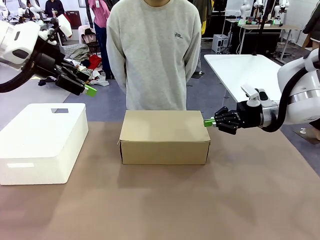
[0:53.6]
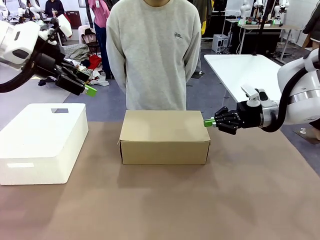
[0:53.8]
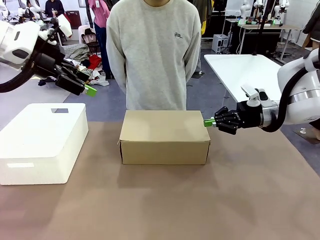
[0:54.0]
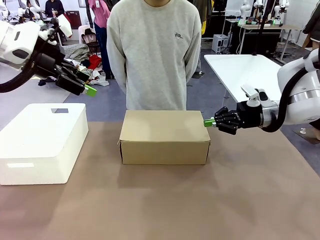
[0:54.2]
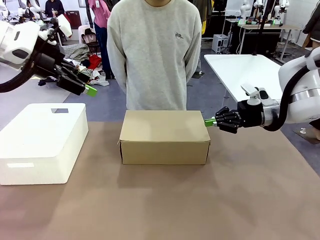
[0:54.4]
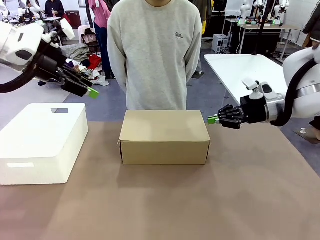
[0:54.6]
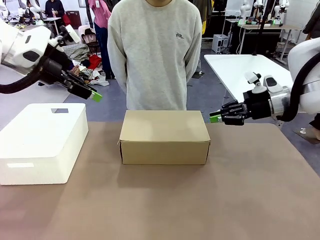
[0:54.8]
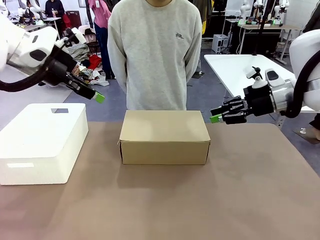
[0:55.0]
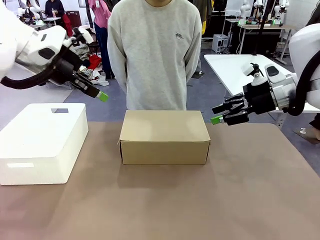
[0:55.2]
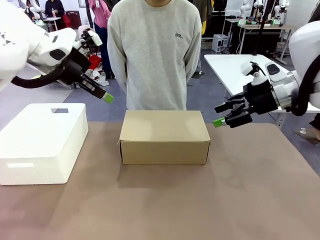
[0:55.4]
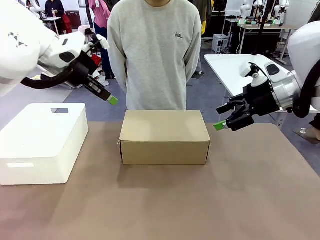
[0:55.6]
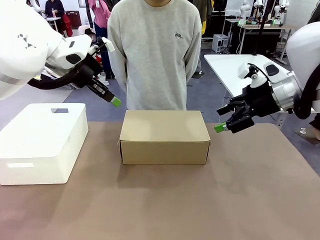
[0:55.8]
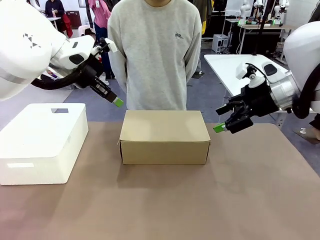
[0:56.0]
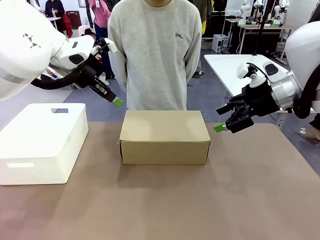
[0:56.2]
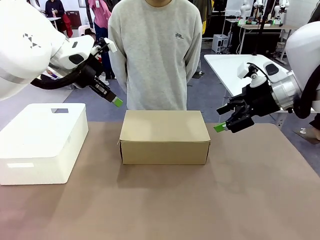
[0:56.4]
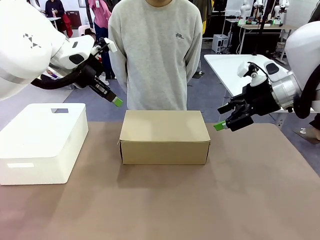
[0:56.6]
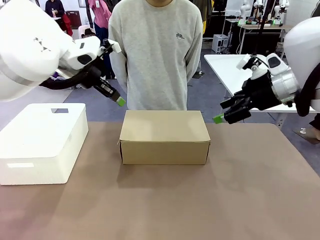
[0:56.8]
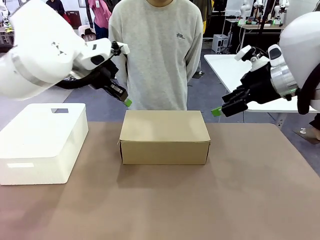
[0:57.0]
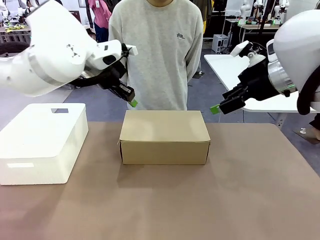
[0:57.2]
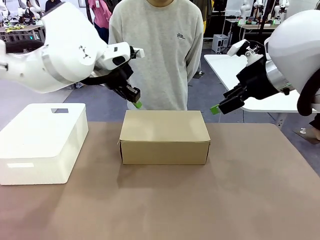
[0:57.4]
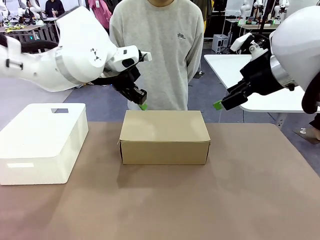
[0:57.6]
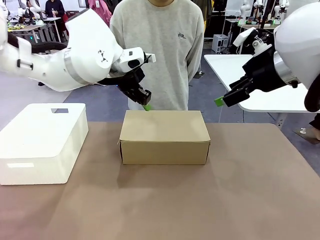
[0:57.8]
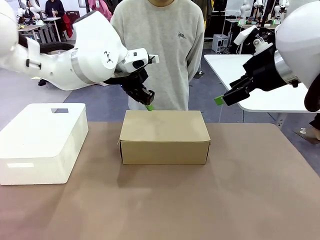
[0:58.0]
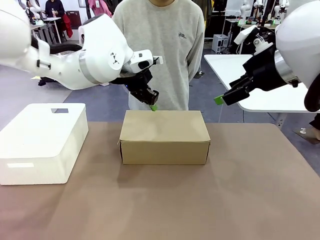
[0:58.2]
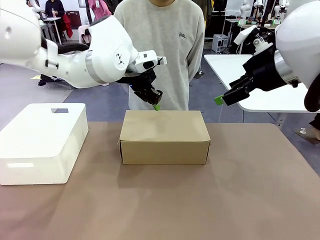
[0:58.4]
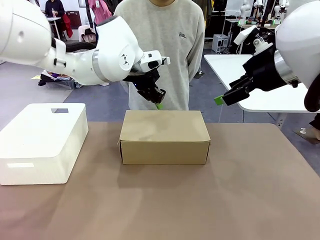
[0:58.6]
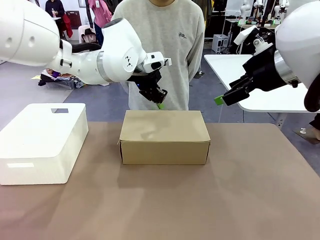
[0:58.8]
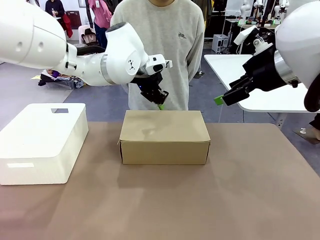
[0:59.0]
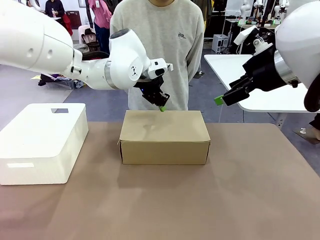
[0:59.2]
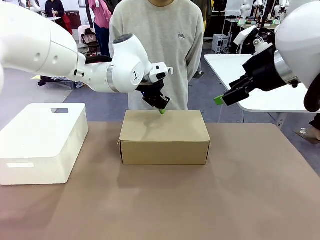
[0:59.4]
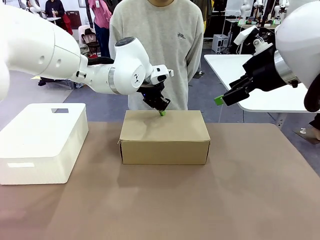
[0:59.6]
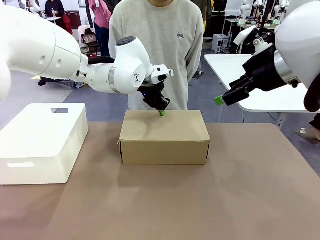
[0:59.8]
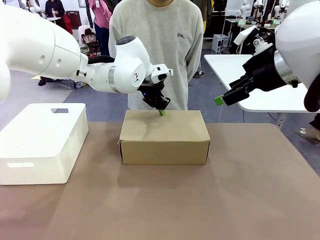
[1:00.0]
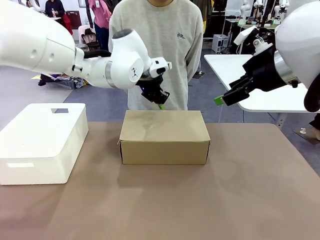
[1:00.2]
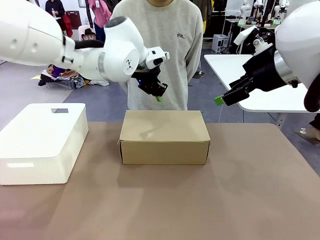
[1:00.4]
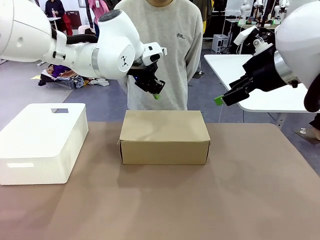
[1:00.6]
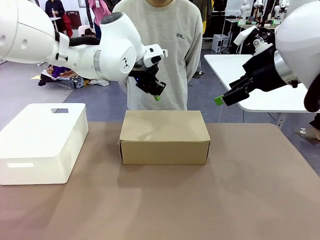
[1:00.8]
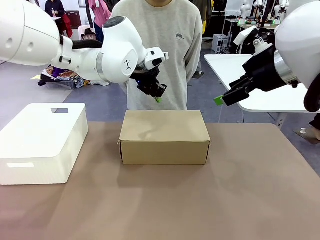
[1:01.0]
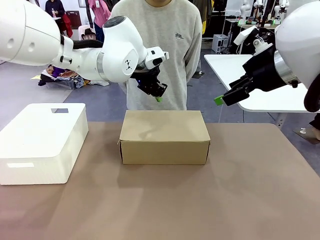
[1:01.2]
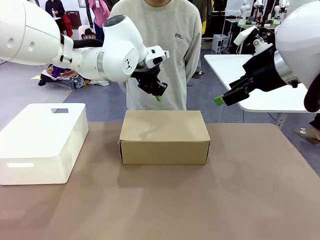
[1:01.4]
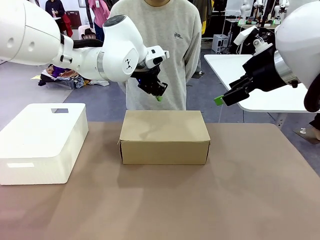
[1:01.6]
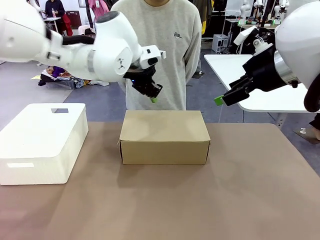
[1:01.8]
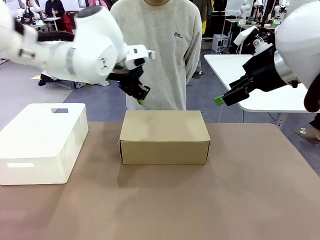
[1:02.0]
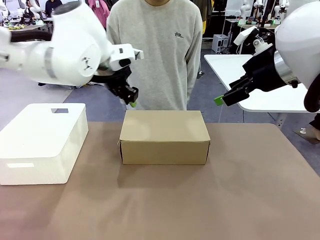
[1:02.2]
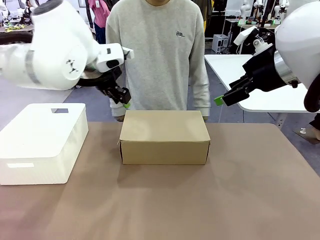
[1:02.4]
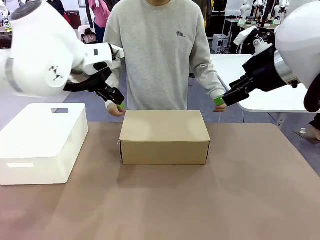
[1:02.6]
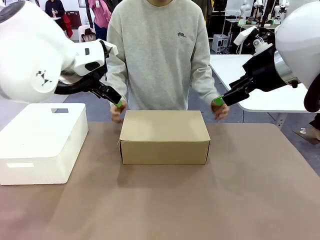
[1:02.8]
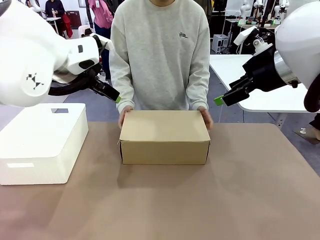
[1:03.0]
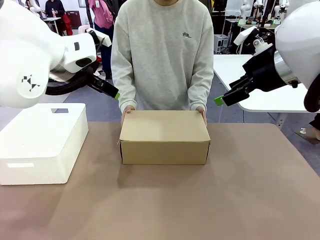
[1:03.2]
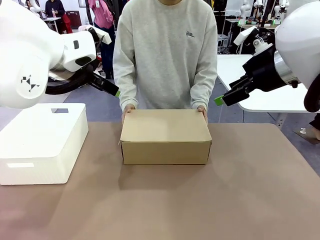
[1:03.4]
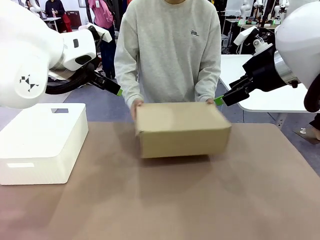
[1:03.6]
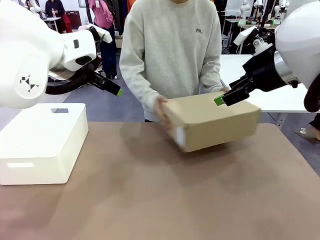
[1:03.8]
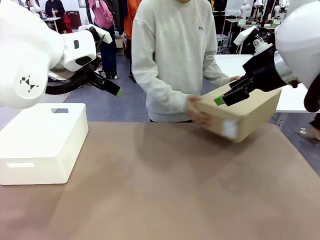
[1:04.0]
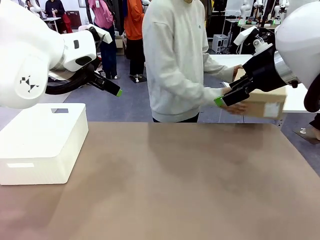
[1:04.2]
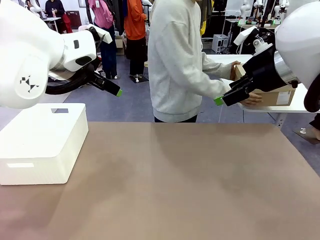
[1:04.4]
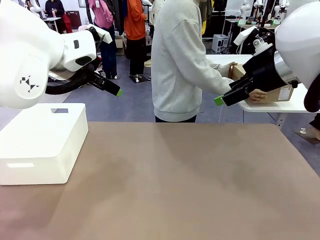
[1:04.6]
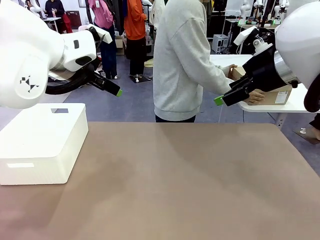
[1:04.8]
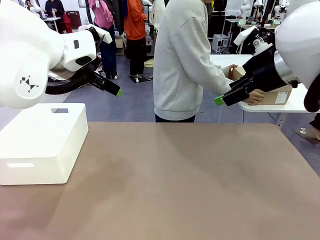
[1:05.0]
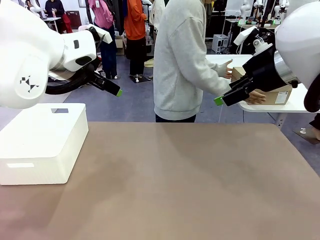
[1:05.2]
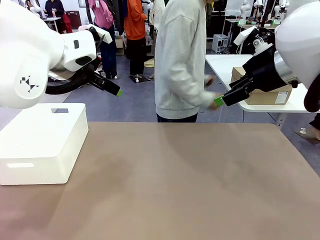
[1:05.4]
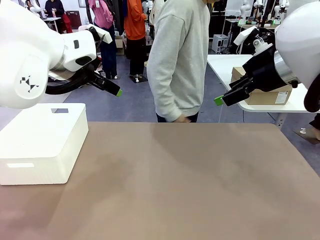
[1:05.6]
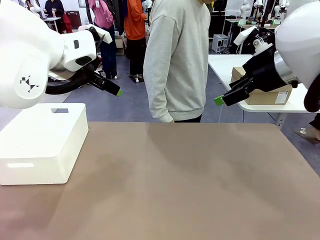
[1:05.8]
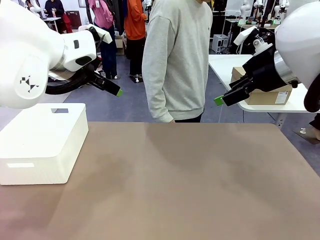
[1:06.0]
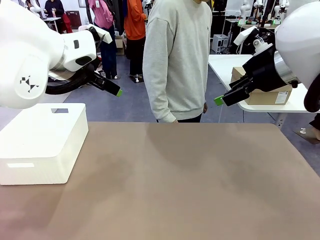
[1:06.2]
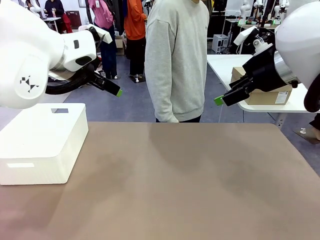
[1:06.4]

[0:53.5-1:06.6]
Task: Pack the shoes into the box.
Robot: Press down on the lid of the Shoes Box.
Person: Place the closed Shoes Box to the right side of the human table.

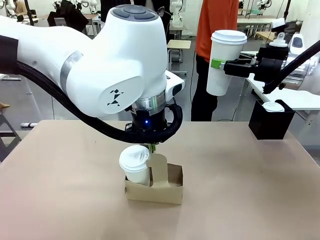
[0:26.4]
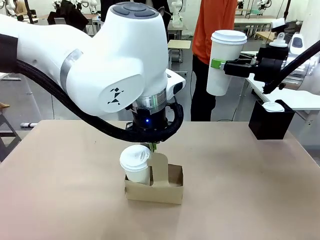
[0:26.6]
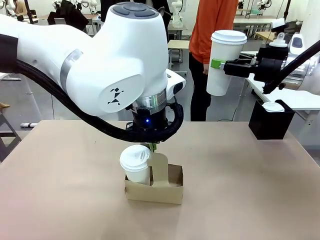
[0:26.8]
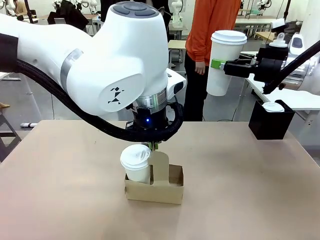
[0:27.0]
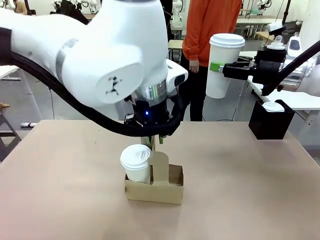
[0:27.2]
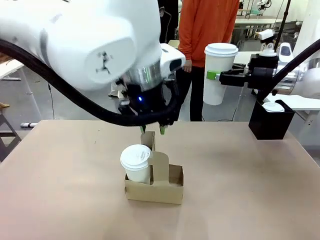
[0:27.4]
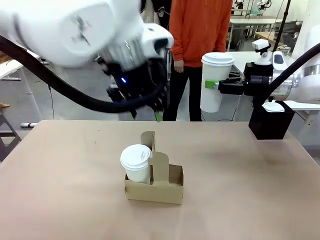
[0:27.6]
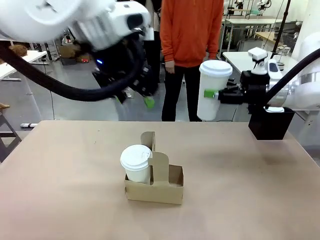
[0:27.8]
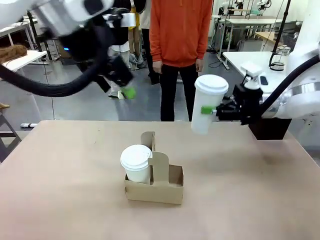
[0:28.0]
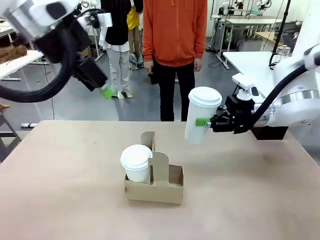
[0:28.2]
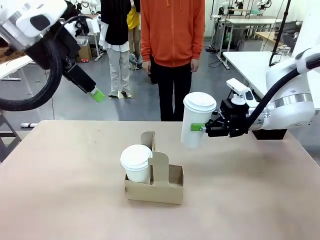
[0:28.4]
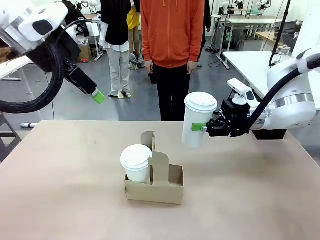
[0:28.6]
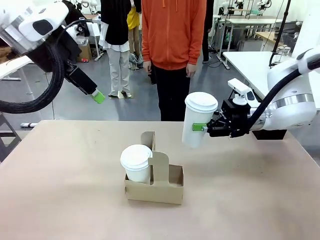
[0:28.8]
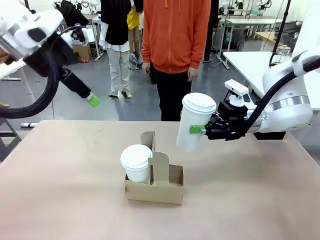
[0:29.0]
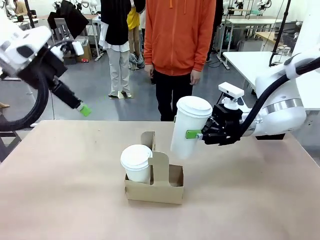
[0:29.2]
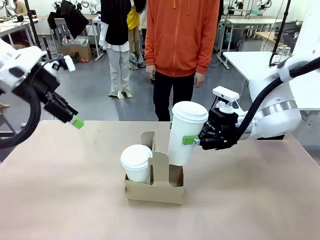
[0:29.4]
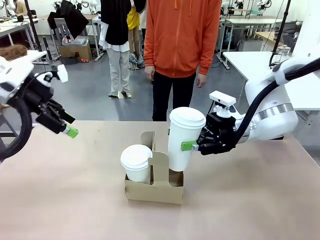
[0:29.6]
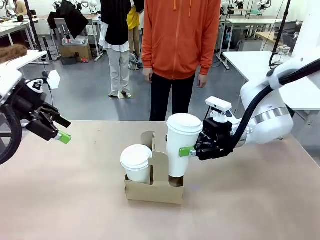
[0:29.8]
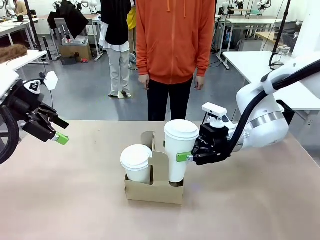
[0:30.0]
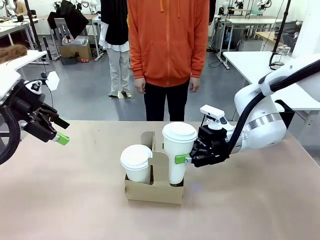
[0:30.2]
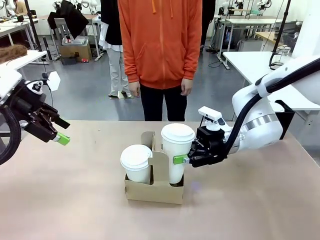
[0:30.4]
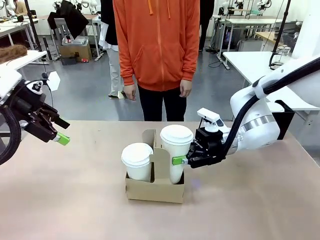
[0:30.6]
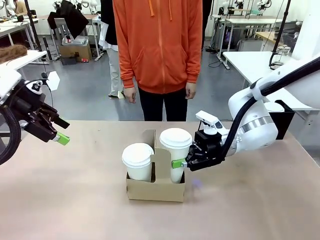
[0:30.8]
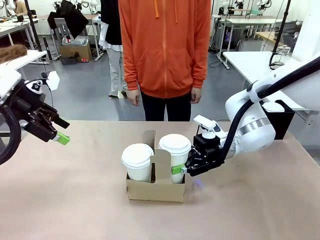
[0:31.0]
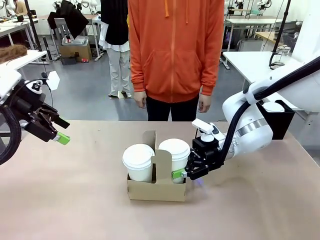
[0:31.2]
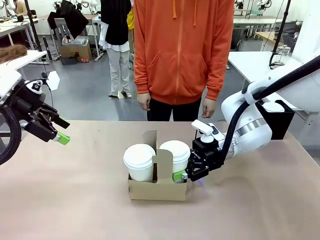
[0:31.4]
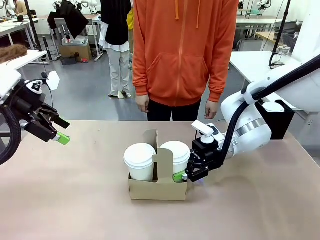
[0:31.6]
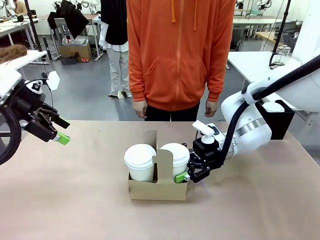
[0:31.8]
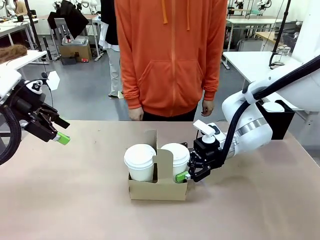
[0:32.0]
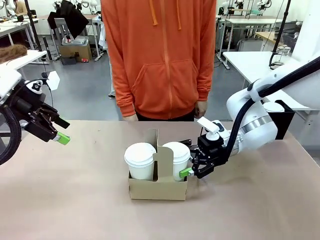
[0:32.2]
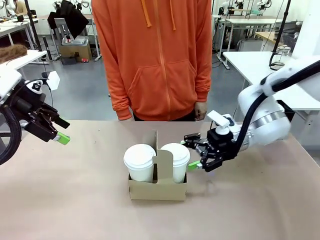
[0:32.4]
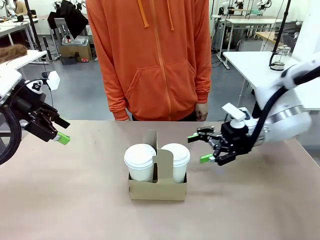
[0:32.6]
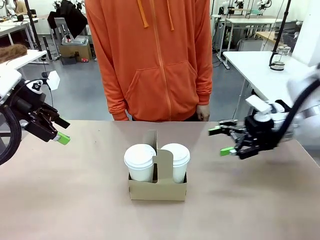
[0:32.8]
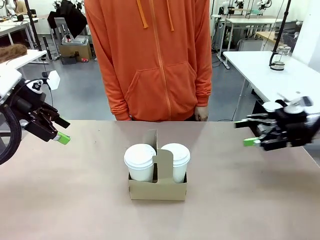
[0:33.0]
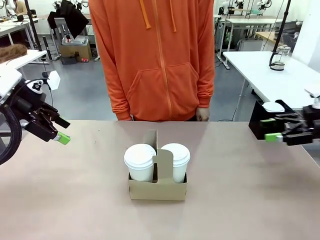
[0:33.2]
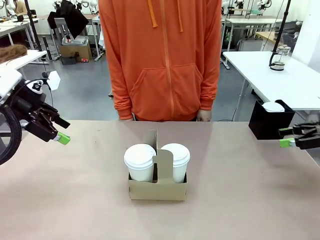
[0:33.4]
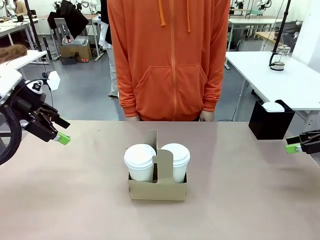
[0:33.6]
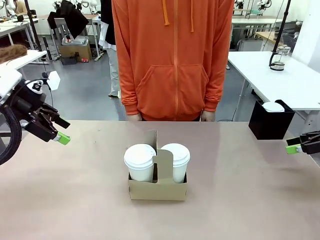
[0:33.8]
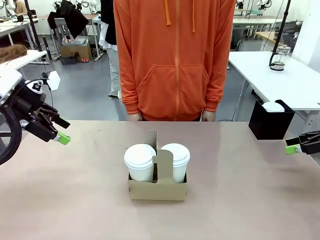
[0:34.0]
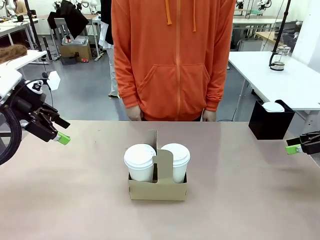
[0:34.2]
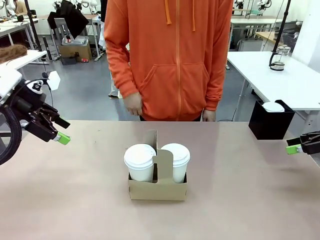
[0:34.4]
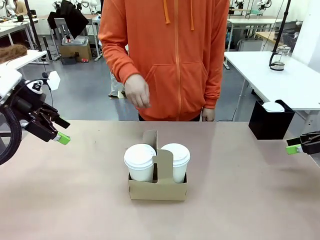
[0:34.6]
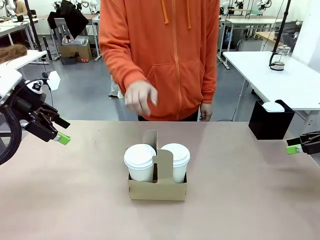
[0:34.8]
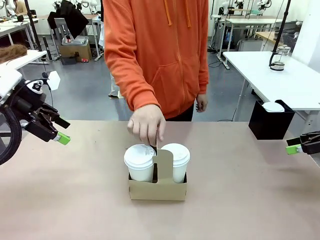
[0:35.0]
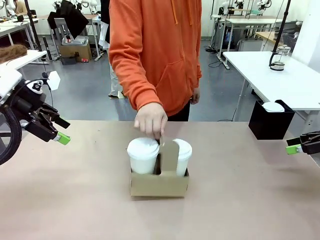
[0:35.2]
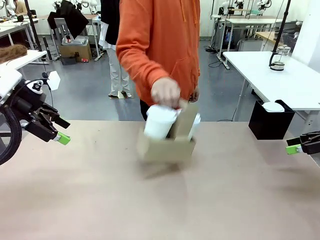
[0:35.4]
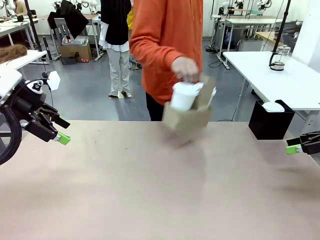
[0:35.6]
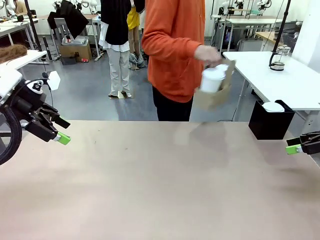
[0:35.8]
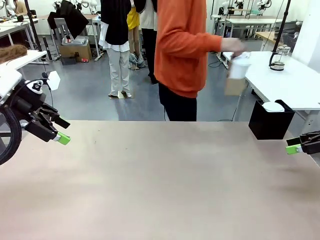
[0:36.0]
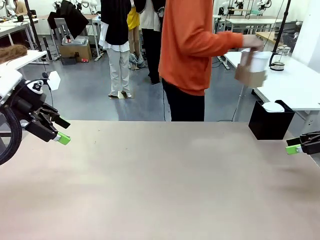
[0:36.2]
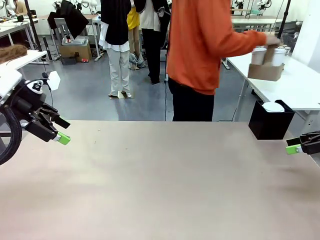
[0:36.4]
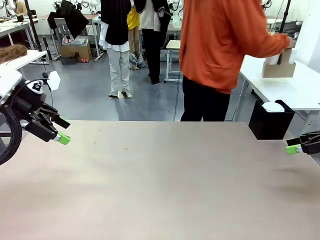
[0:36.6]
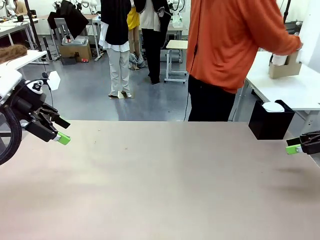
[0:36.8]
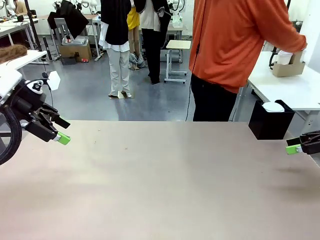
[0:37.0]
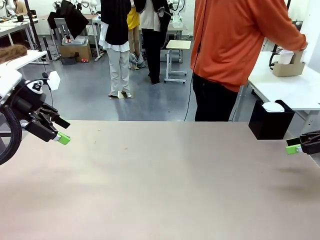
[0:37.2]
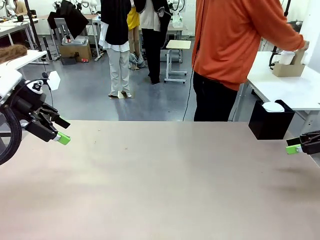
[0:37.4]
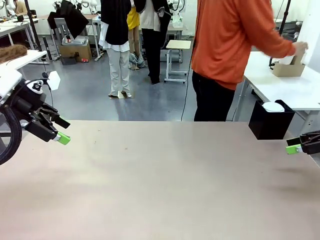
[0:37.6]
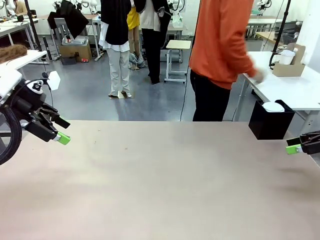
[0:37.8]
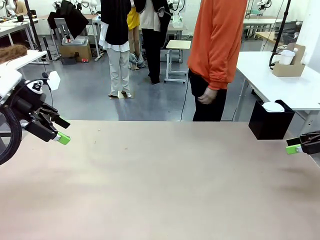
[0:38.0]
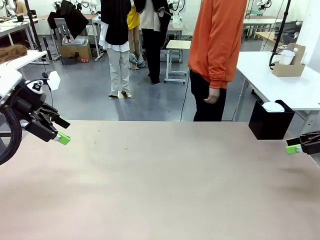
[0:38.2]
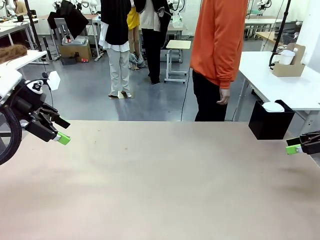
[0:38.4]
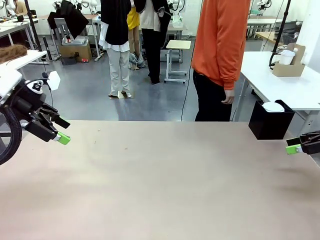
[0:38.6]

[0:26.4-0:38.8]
Task: Pour a drink into a cup and package it in a carrier.
Robot: Insert the held 600 ml Paper Cup into the Cup Carrier.
Person: Place the Cup Carrier to the middle of Human table.
